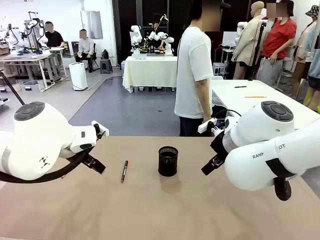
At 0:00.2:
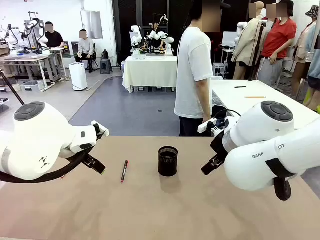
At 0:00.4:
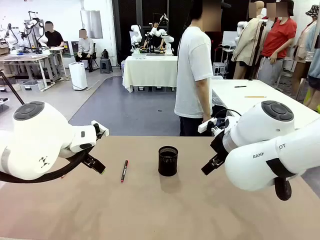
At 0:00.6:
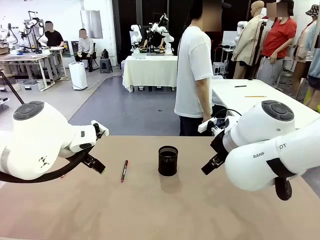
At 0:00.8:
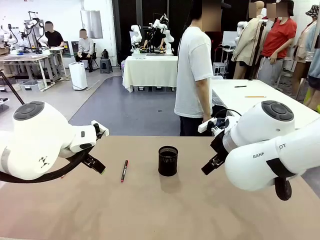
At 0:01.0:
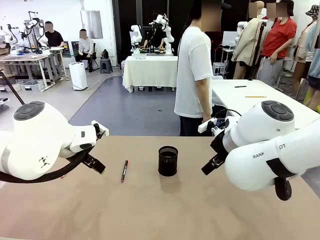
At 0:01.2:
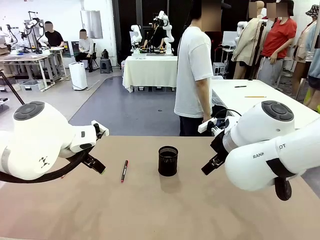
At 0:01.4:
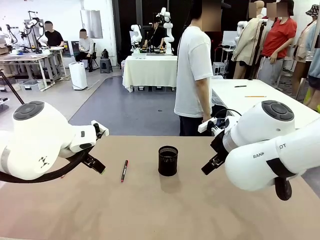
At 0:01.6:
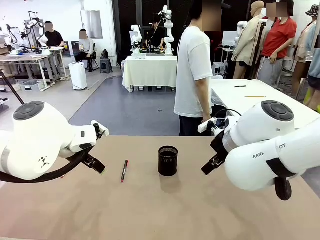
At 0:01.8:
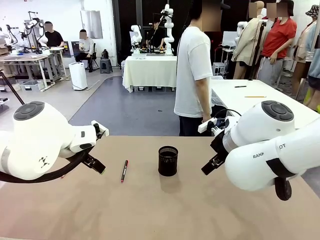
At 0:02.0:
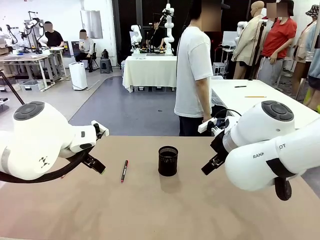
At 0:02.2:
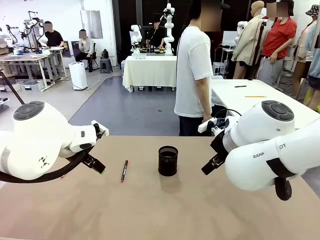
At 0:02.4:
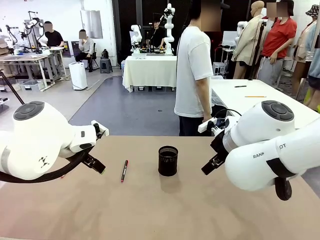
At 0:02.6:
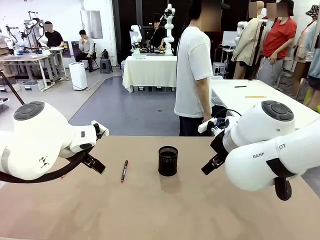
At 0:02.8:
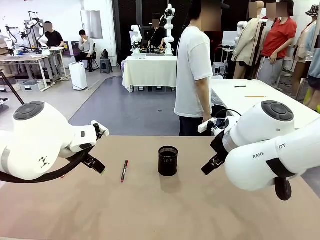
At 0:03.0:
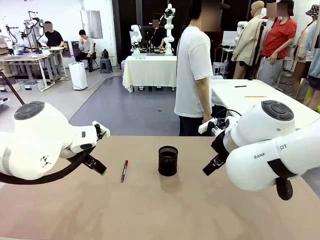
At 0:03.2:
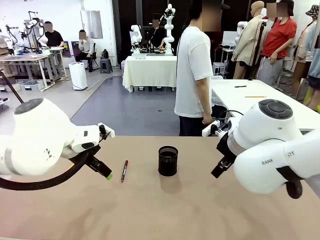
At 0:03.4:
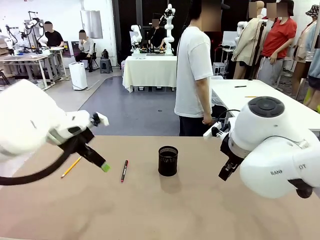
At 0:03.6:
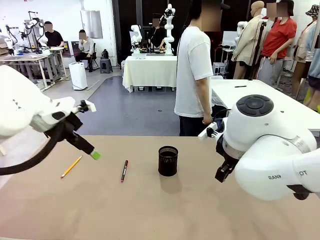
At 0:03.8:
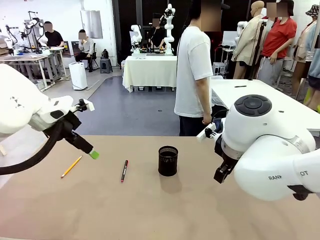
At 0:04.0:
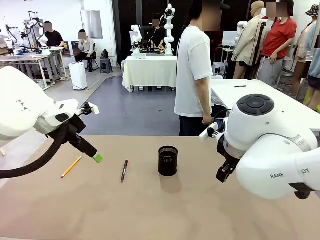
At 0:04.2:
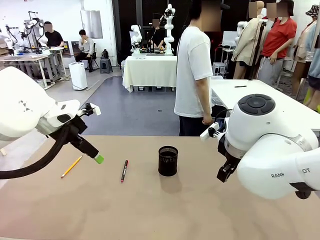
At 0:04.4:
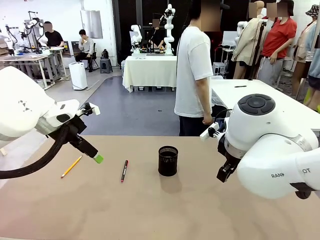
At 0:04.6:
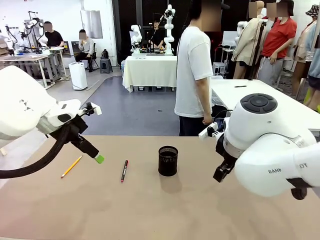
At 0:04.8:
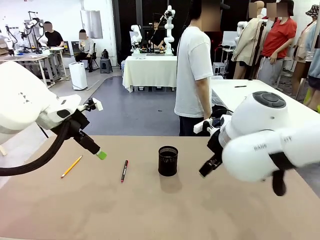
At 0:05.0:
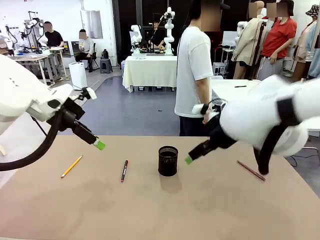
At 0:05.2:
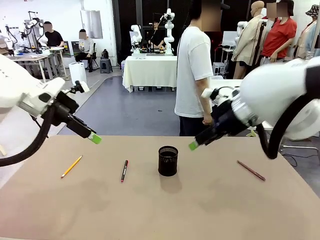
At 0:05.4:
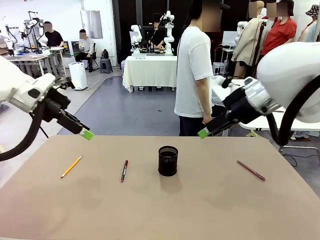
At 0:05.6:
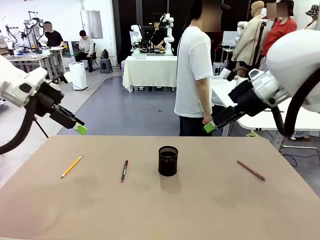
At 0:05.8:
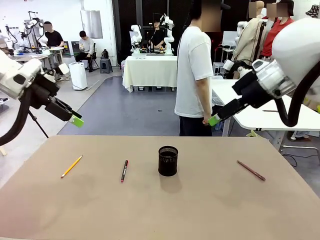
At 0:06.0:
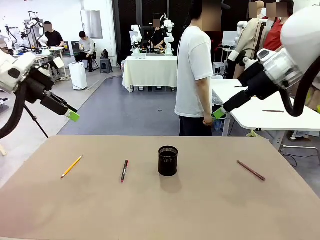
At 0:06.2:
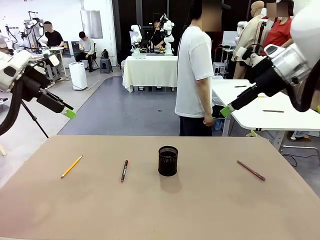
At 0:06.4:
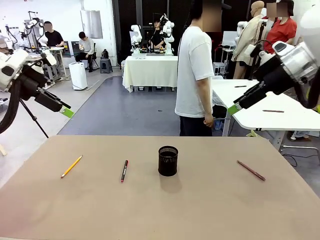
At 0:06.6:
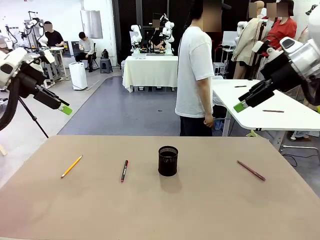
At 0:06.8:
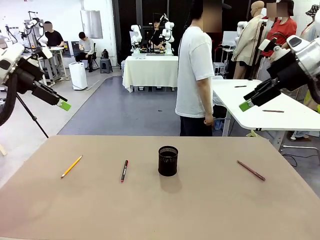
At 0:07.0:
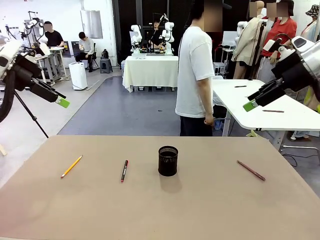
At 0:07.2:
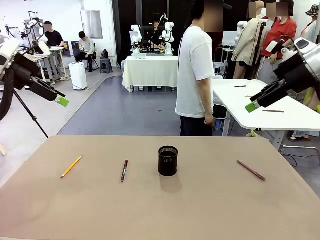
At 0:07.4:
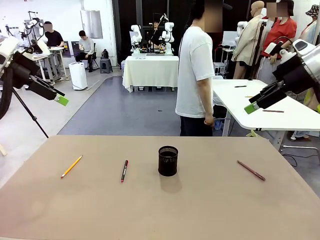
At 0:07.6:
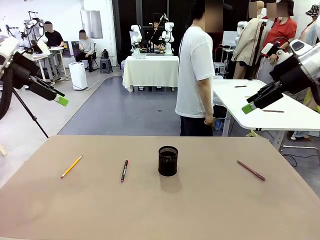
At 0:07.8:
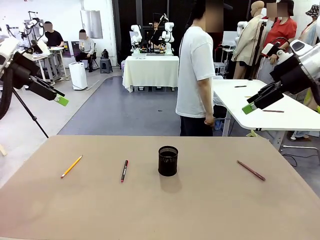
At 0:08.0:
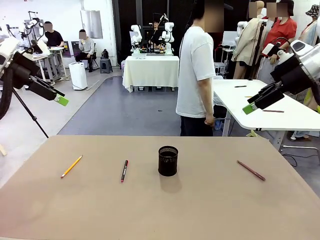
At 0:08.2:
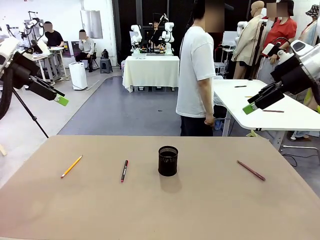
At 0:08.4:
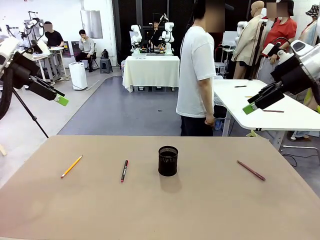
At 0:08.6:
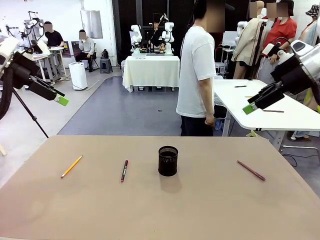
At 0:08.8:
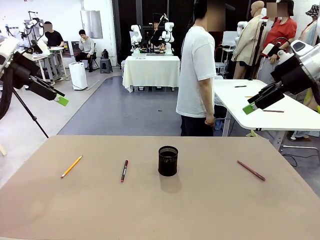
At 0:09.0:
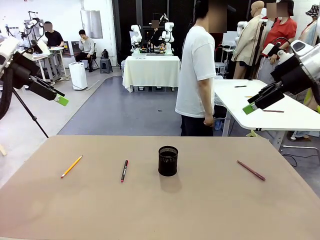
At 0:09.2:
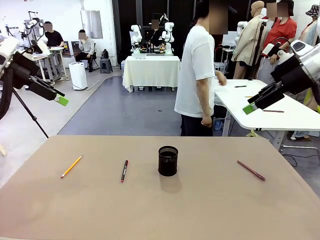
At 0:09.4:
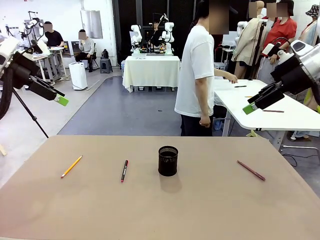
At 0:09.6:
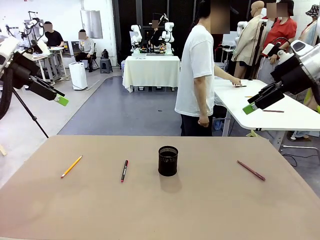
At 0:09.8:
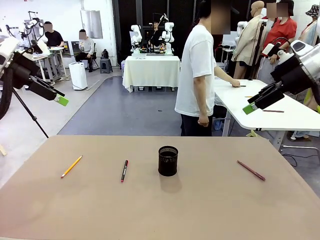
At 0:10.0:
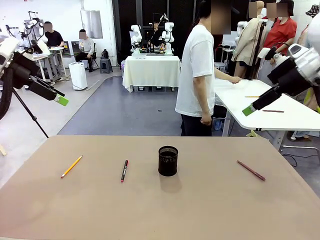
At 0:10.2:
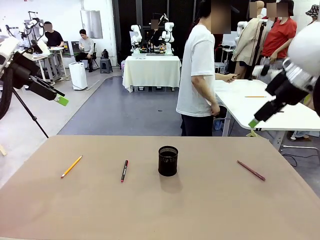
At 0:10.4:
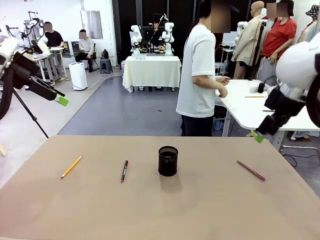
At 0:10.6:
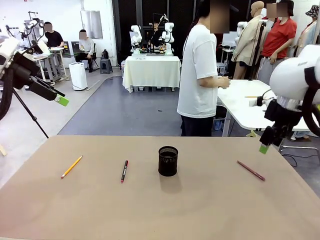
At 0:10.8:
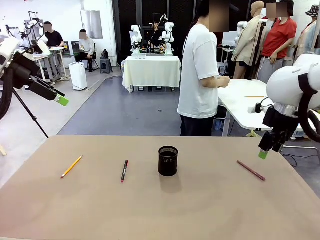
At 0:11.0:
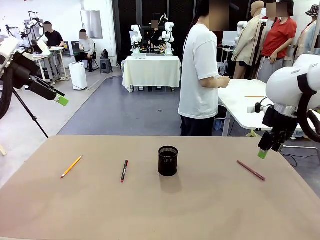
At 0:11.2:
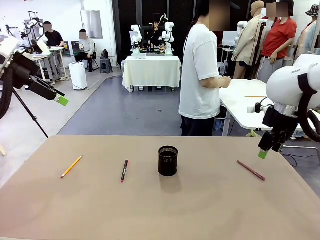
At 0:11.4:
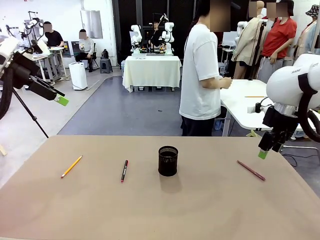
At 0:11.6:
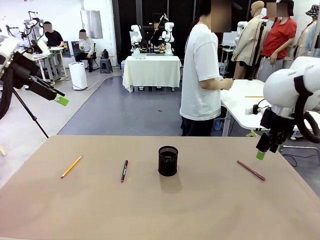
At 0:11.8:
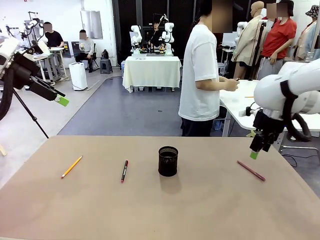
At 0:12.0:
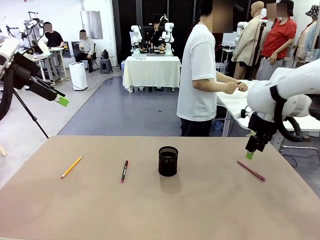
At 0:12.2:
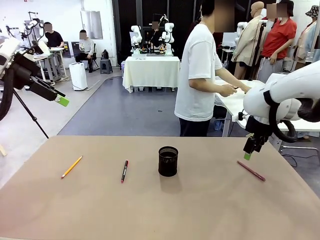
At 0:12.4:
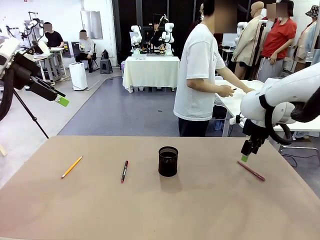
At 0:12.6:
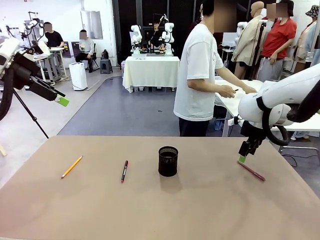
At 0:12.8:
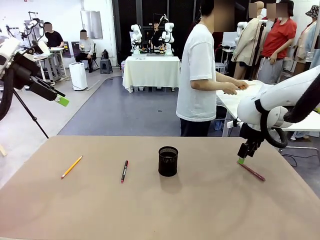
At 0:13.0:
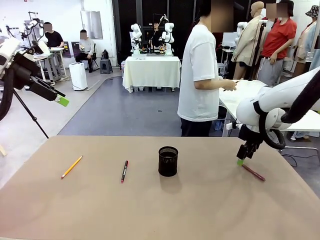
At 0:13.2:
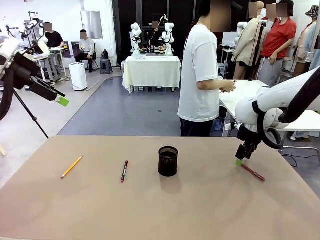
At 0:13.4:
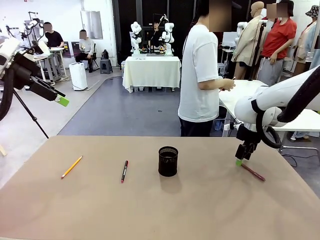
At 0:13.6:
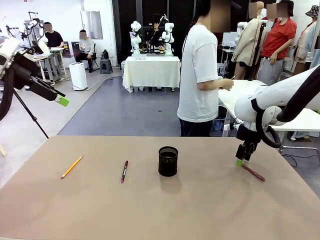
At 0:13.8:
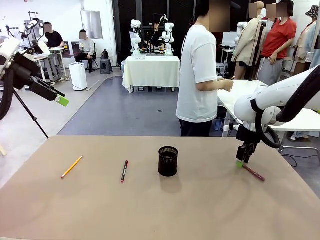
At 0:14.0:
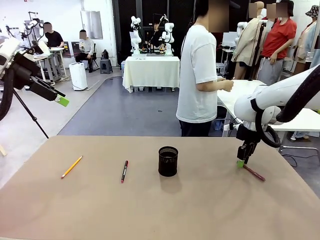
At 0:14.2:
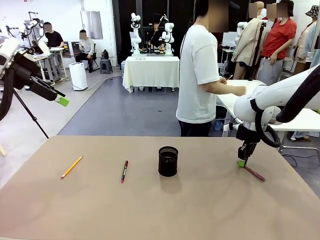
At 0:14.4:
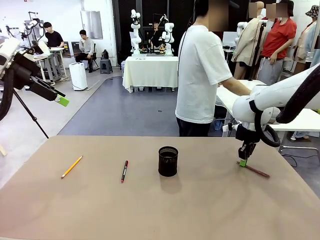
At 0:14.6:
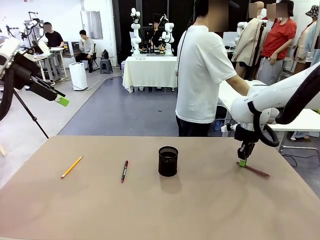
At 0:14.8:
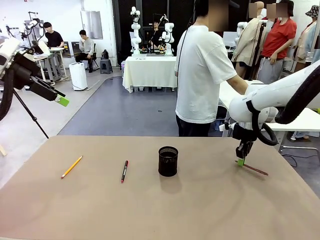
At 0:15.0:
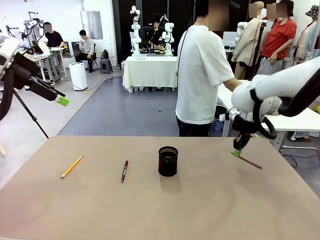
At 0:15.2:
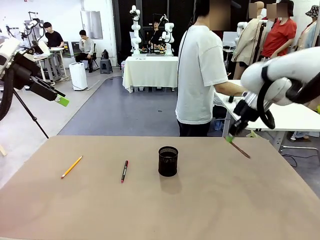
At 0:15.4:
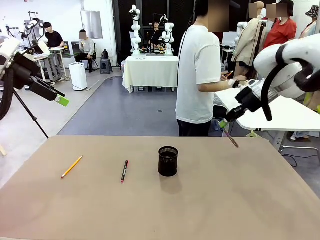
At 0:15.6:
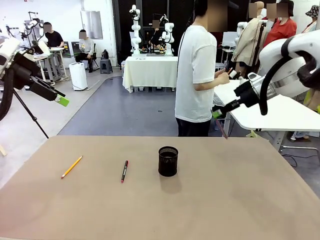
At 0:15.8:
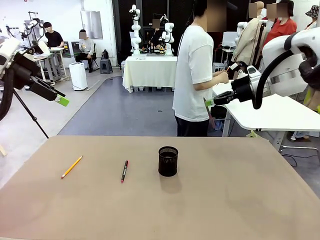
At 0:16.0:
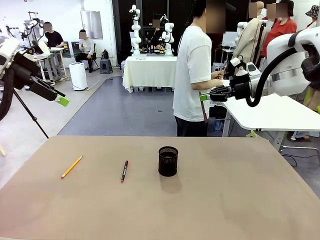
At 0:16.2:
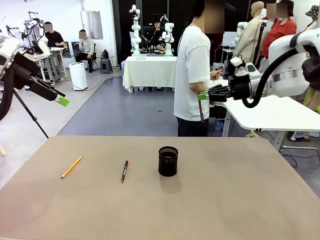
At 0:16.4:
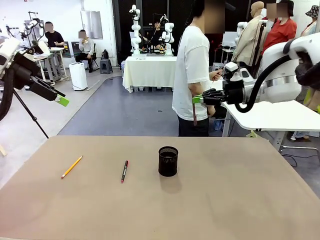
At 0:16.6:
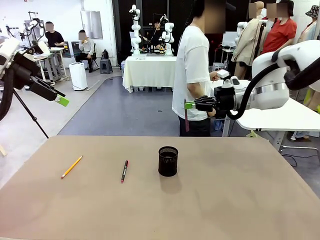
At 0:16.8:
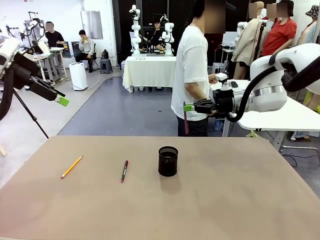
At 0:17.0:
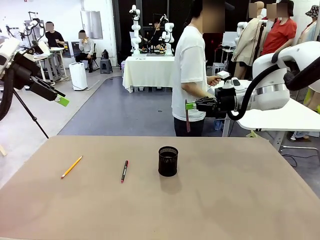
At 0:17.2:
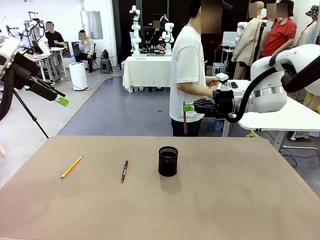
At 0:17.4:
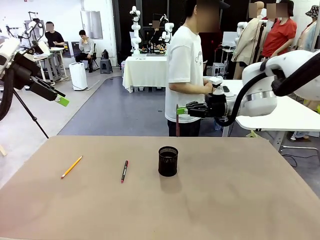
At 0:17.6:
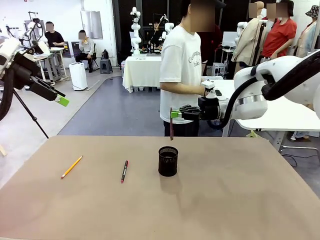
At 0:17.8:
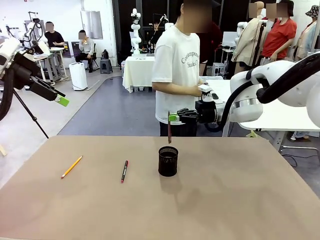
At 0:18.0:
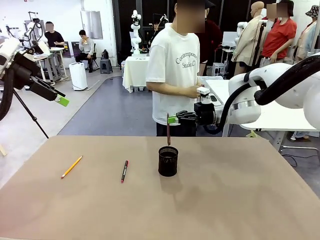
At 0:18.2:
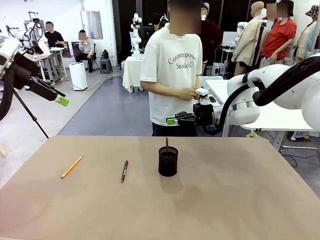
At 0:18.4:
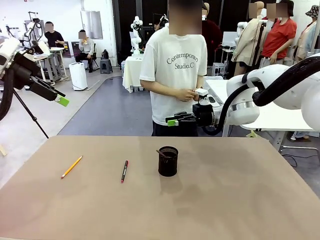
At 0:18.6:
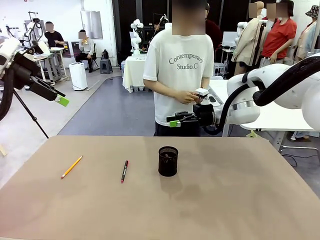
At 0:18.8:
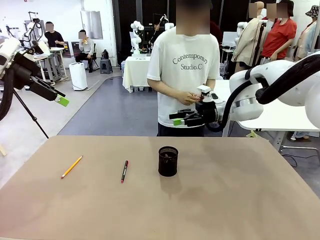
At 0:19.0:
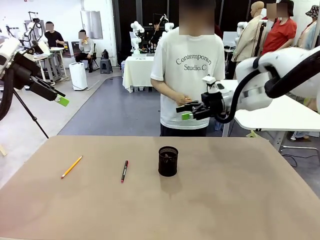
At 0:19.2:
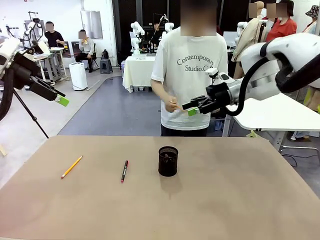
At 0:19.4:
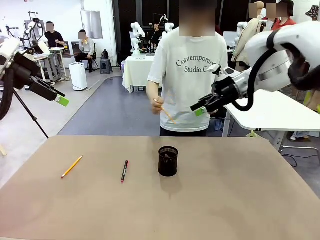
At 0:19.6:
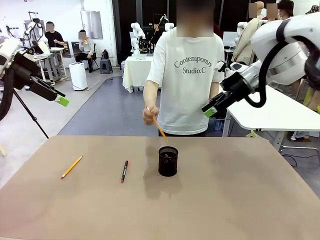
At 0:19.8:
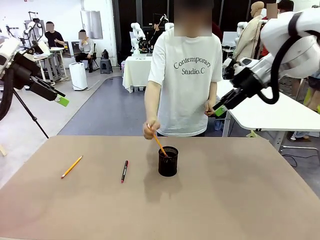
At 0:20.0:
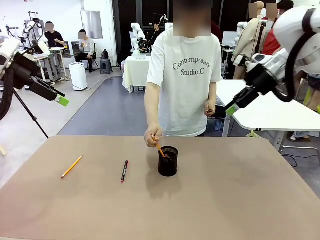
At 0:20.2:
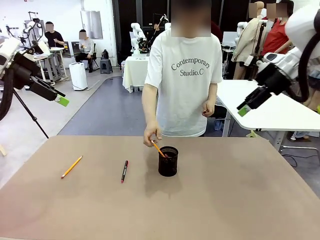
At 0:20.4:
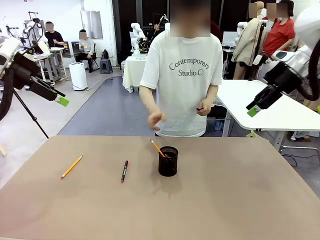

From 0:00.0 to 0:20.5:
Task: Place the pens into the pen holder.
Robot: Pick up a writing instrument from the table and place it into the Pen holder.
Person: Pick up all writing instruments from the Human table.
